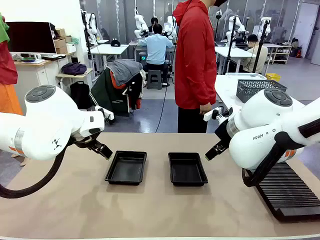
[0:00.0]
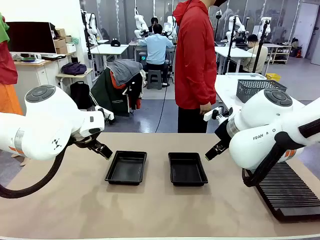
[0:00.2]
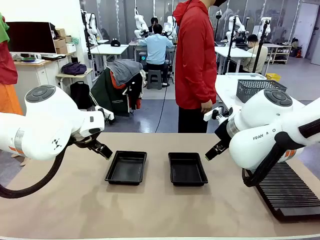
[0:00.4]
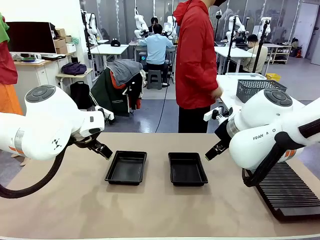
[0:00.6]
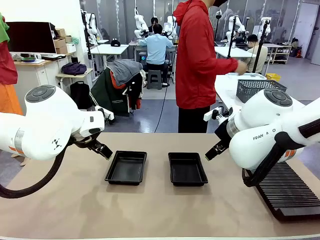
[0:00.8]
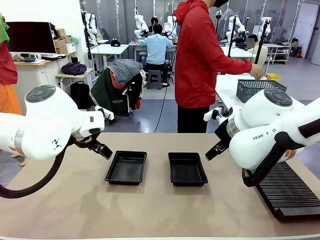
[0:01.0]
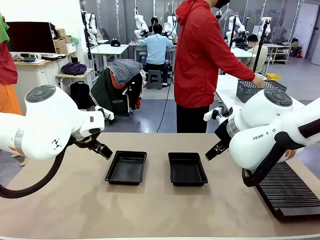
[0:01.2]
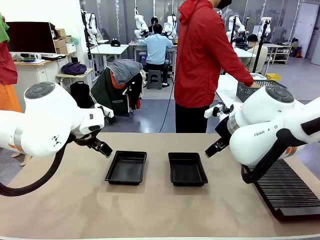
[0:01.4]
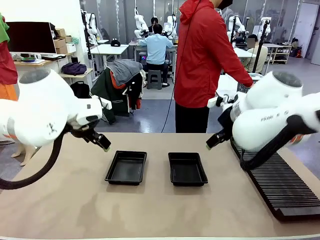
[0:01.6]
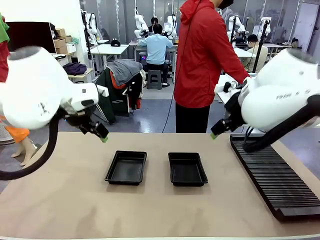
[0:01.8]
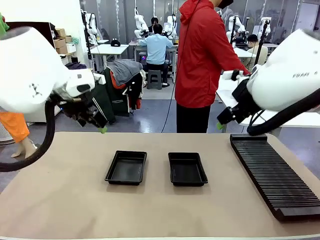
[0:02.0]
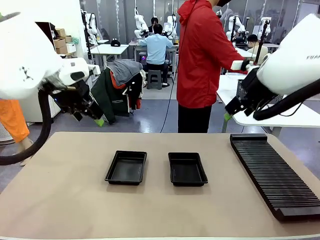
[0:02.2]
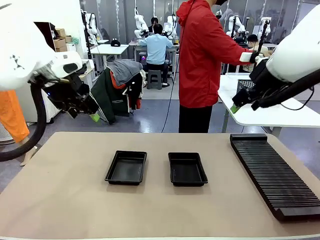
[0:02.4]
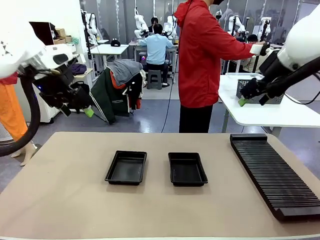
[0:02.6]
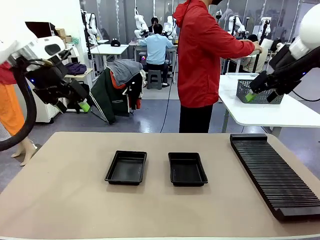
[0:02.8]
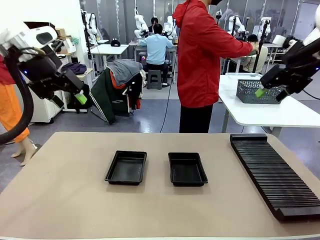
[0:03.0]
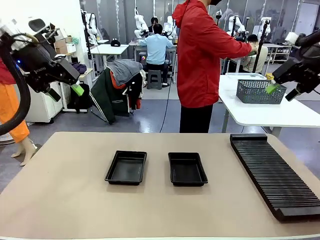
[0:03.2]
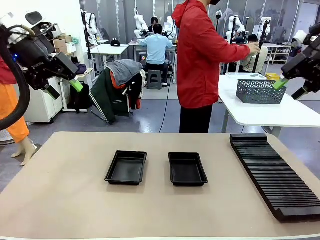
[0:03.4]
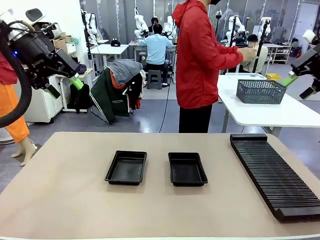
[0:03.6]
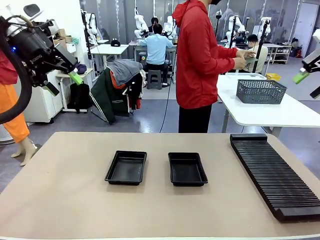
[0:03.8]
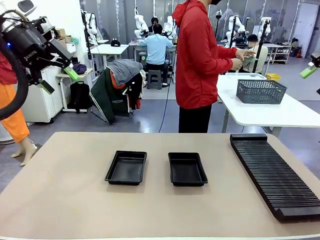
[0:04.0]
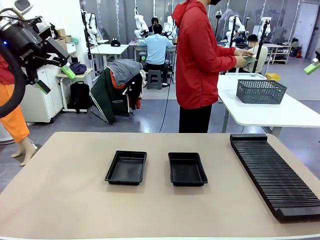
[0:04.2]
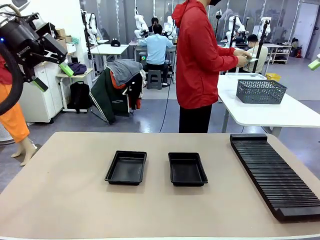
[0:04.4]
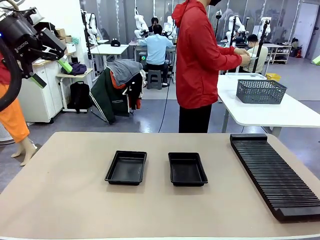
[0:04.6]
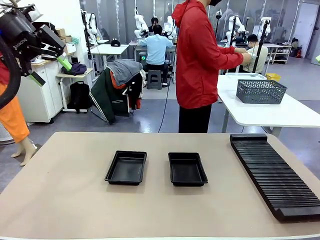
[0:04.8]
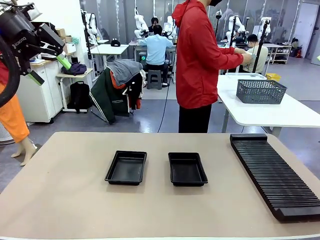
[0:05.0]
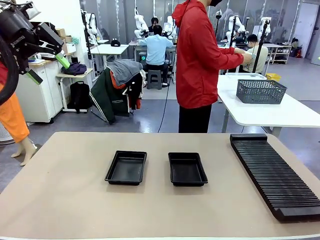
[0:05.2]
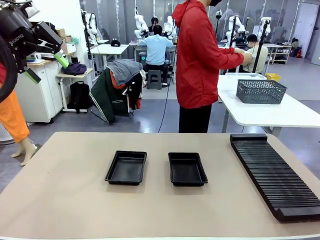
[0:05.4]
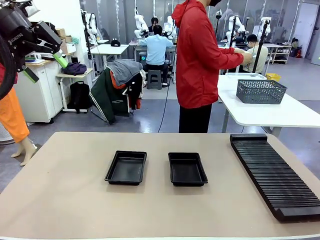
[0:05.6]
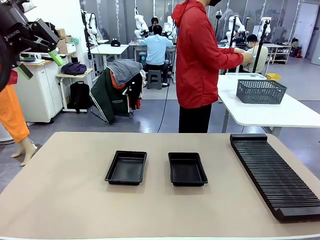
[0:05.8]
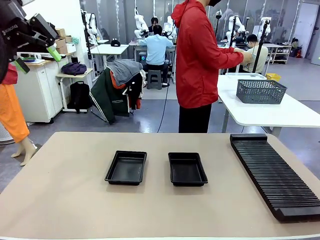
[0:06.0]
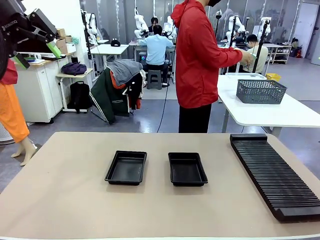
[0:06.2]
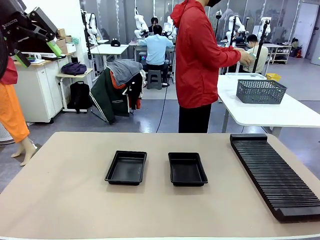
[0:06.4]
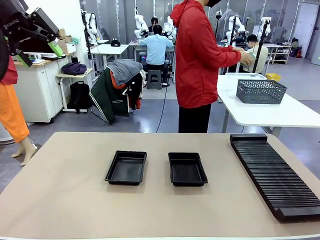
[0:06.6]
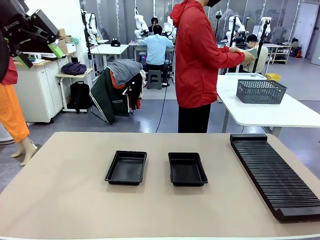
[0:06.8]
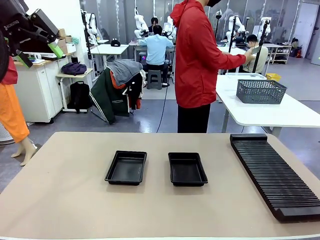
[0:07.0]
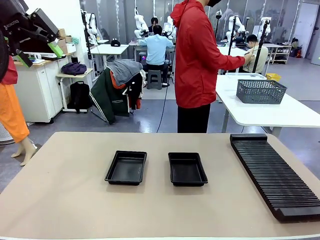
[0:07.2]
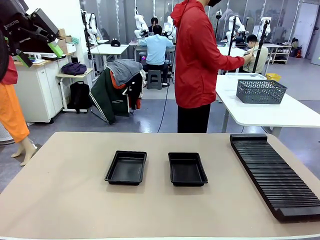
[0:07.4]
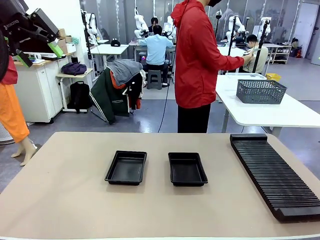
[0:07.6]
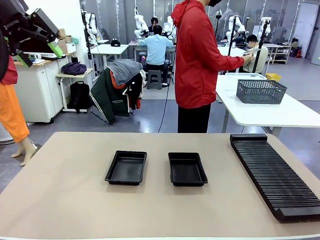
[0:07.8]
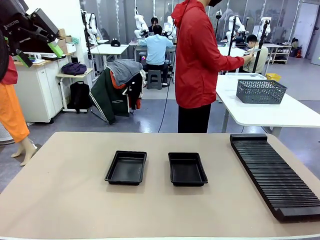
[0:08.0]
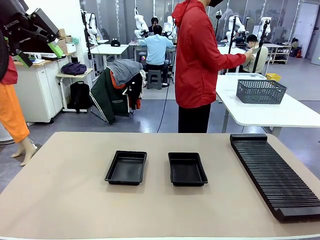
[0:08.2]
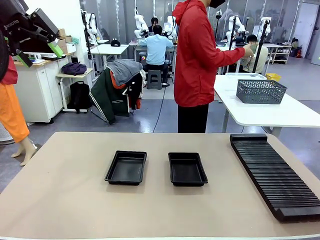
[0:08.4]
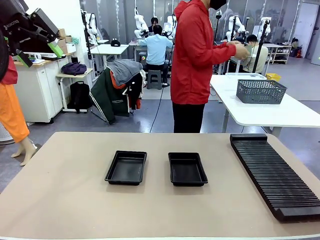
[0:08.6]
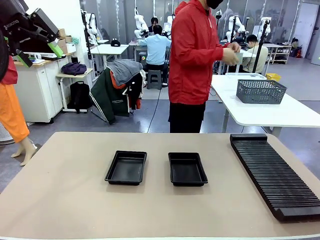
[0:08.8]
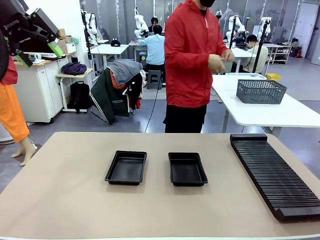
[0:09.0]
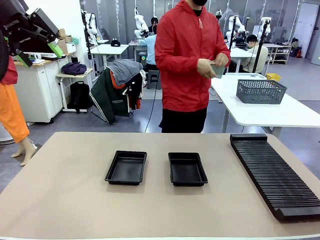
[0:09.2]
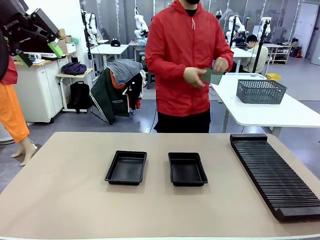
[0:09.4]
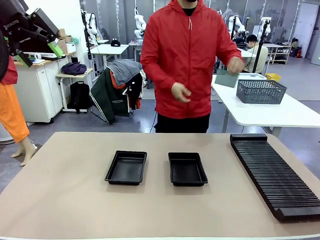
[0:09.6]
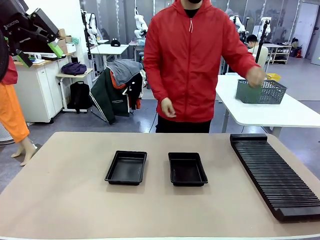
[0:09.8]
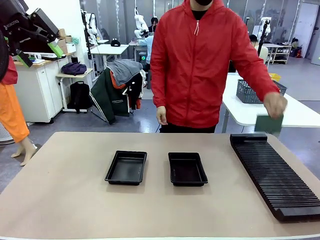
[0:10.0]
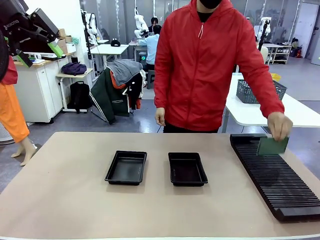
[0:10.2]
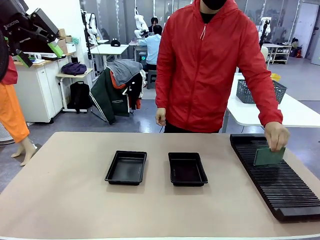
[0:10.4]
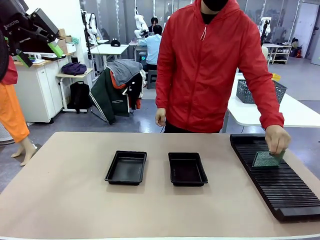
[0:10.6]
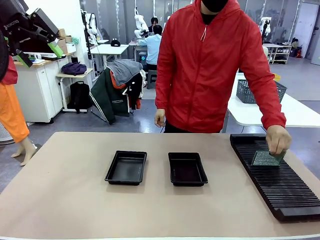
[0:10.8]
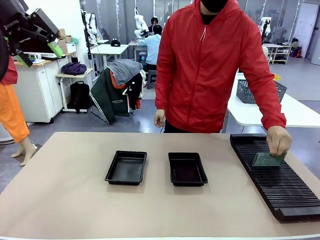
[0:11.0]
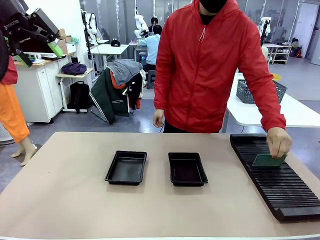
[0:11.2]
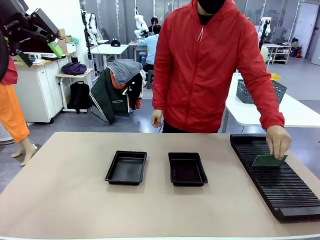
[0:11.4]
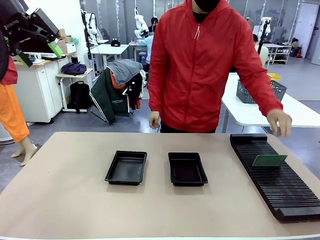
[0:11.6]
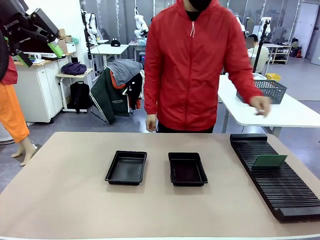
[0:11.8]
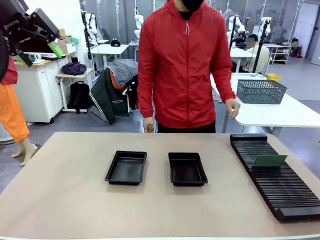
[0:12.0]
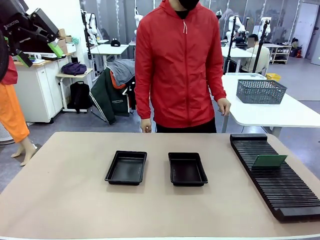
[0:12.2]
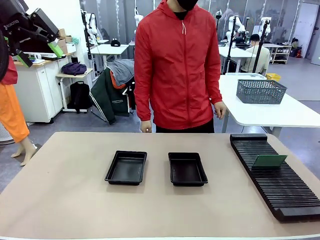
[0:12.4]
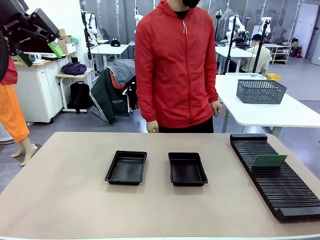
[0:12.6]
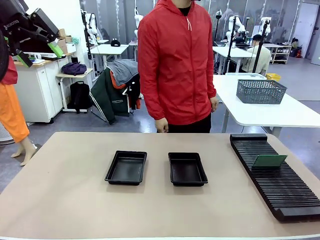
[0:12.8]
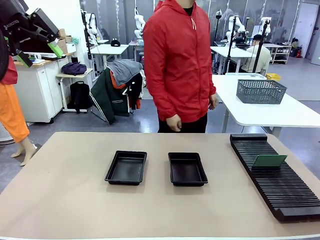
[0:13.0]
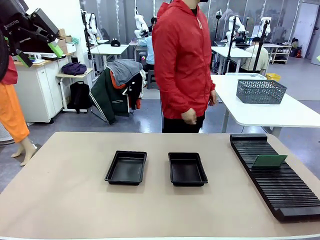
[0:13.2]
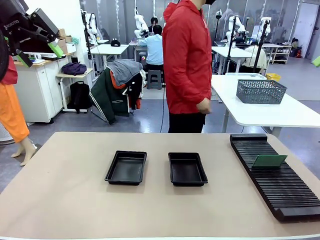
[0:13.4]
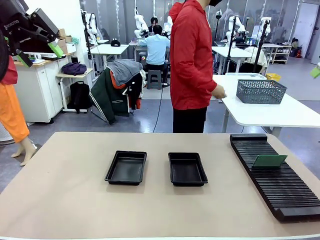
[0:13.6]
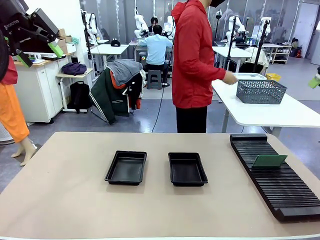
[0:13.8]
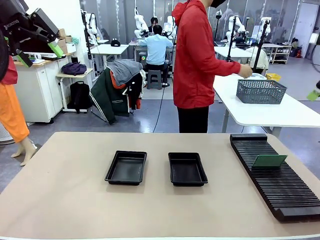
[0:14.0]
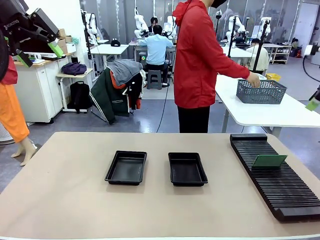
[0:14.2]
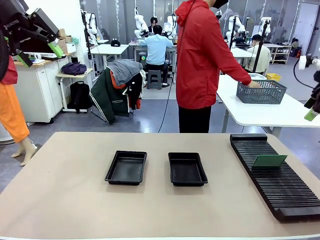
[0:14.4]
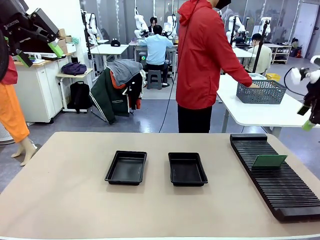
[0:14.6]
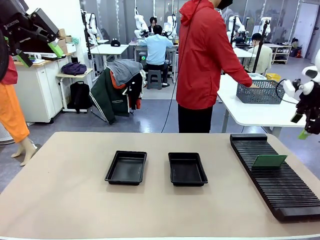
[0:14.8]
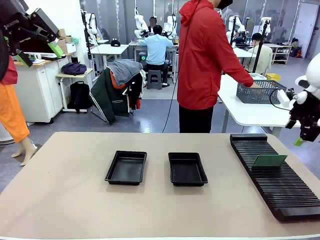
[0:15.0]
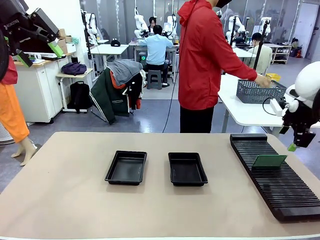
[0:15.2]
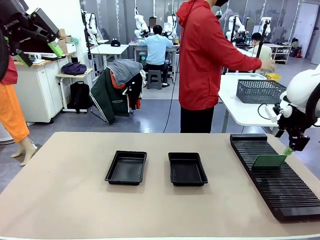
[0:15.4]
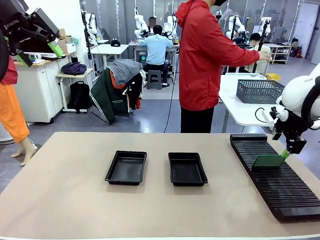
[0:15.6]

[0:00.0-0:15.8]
Task: Inspect and transfer BCBs to ESD trays.
Robot: Pick up the Blank PCB from the PCB Rack and place it in the left ESD tray.
